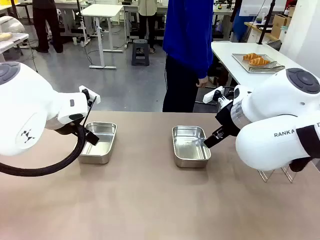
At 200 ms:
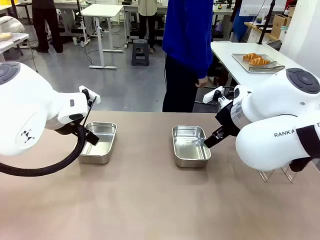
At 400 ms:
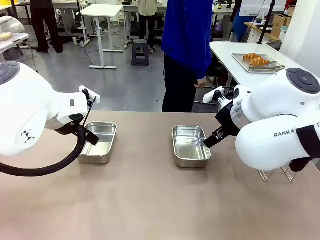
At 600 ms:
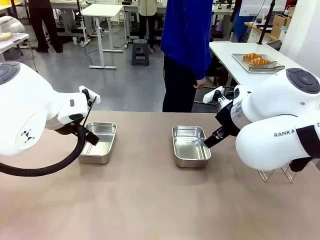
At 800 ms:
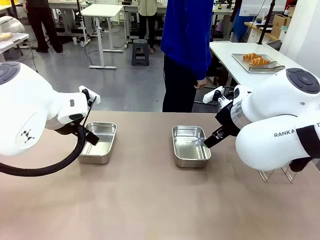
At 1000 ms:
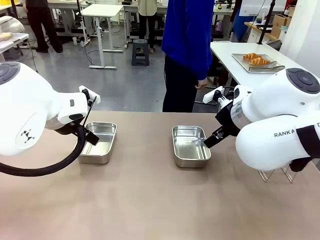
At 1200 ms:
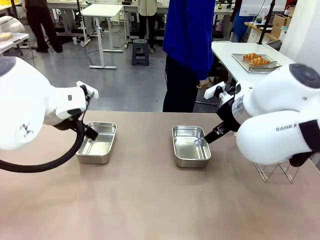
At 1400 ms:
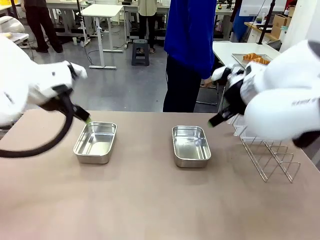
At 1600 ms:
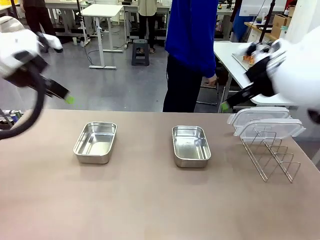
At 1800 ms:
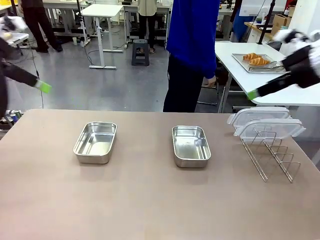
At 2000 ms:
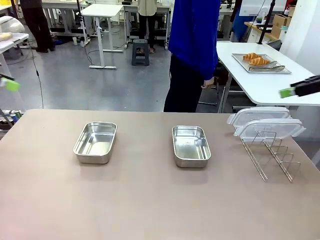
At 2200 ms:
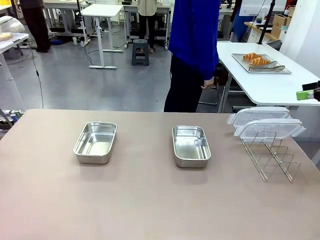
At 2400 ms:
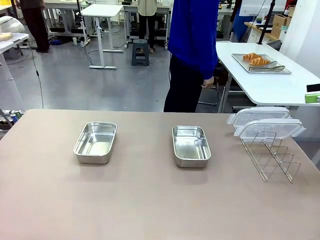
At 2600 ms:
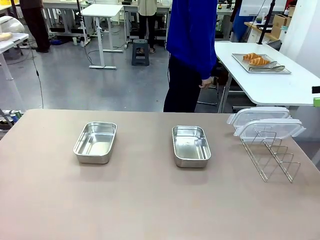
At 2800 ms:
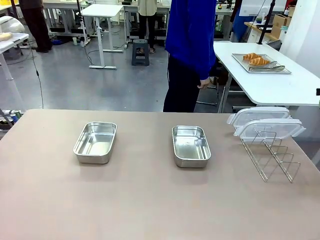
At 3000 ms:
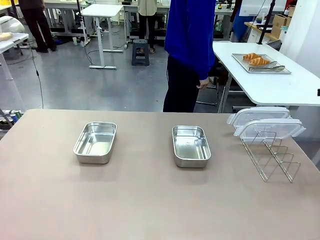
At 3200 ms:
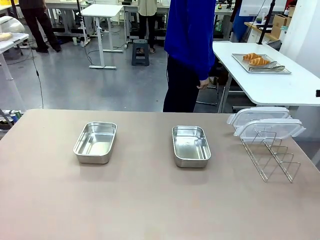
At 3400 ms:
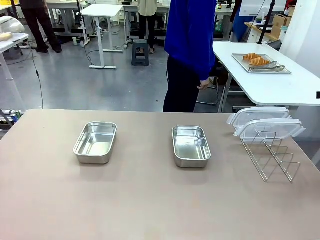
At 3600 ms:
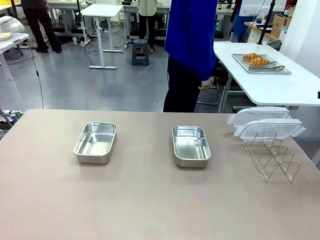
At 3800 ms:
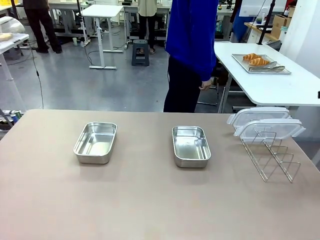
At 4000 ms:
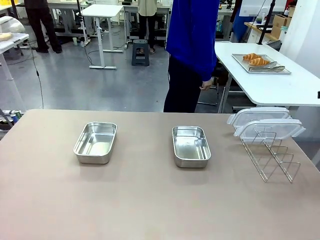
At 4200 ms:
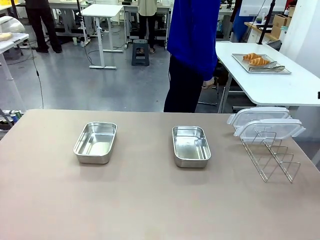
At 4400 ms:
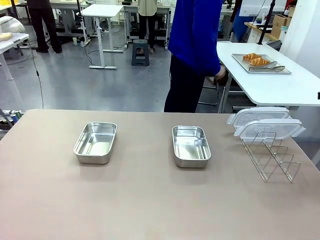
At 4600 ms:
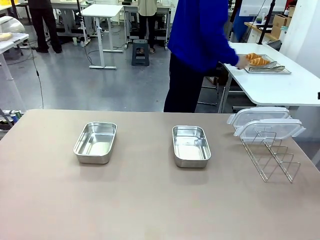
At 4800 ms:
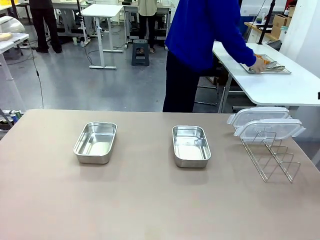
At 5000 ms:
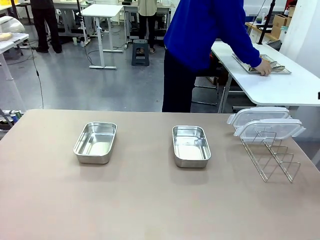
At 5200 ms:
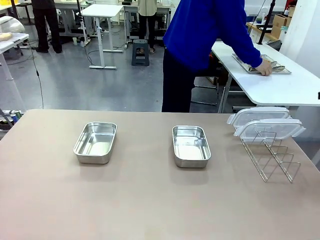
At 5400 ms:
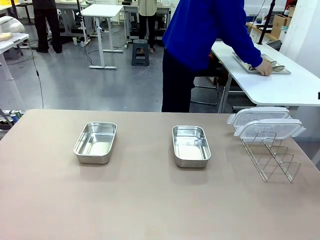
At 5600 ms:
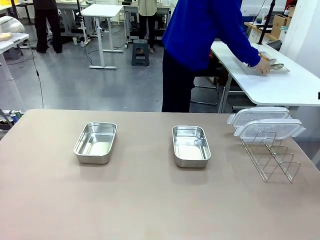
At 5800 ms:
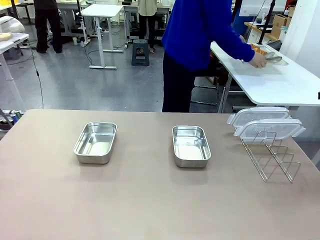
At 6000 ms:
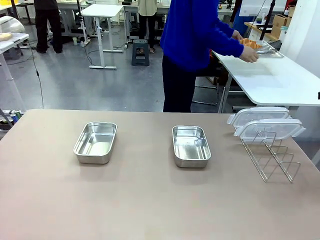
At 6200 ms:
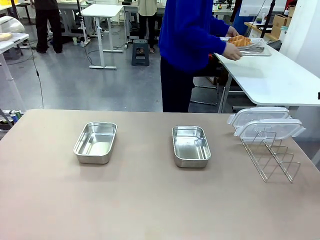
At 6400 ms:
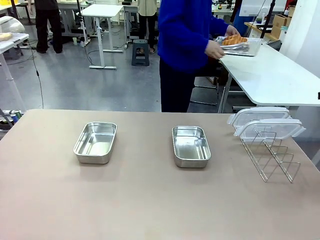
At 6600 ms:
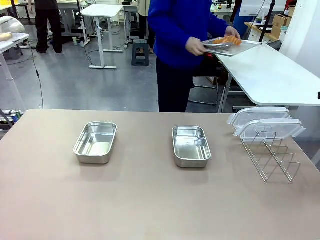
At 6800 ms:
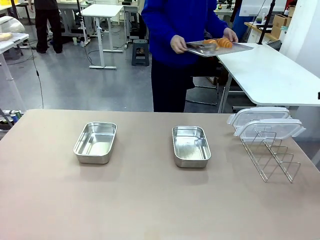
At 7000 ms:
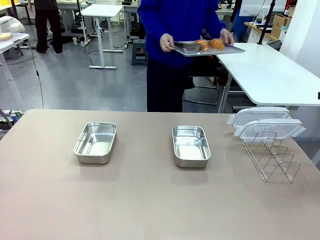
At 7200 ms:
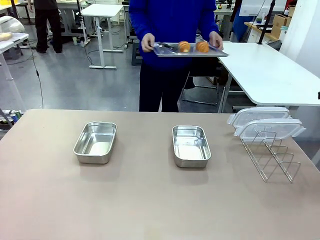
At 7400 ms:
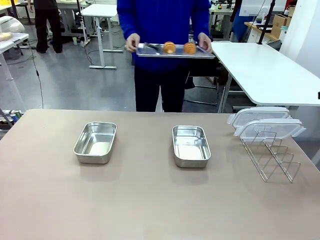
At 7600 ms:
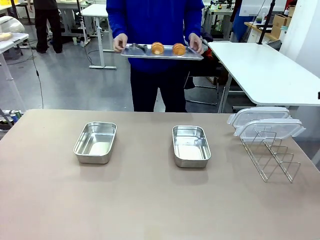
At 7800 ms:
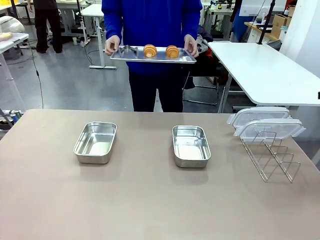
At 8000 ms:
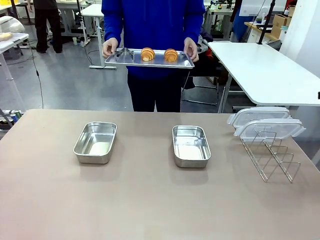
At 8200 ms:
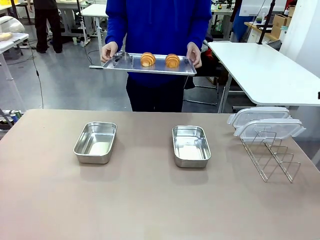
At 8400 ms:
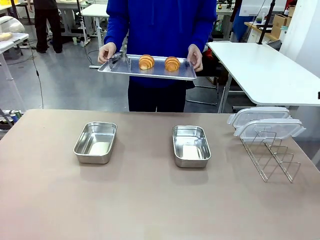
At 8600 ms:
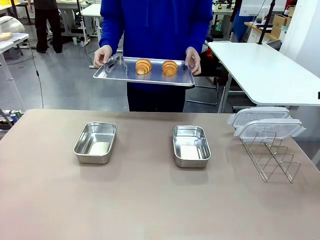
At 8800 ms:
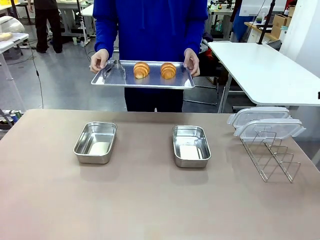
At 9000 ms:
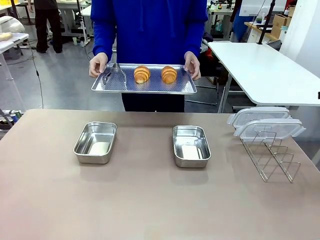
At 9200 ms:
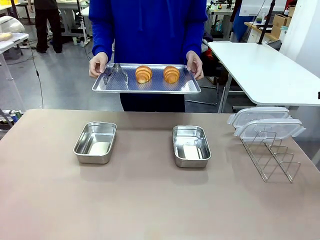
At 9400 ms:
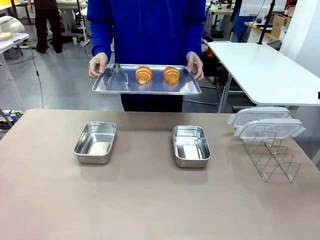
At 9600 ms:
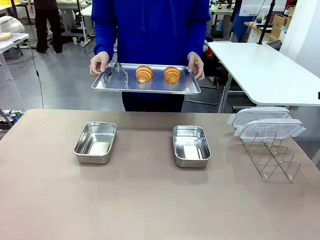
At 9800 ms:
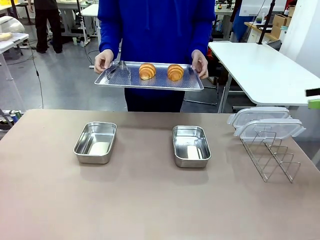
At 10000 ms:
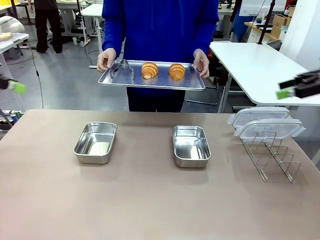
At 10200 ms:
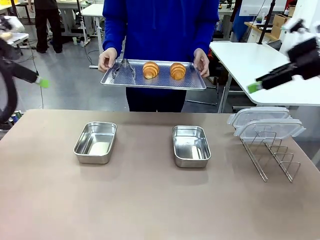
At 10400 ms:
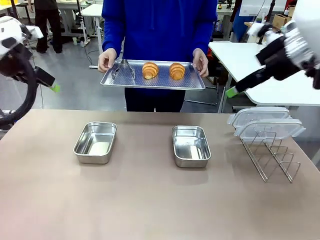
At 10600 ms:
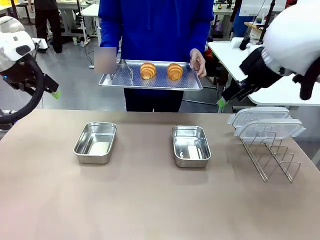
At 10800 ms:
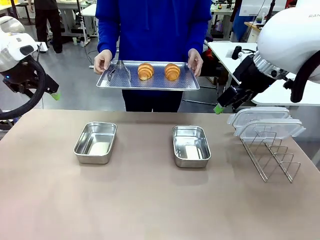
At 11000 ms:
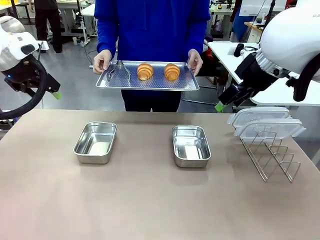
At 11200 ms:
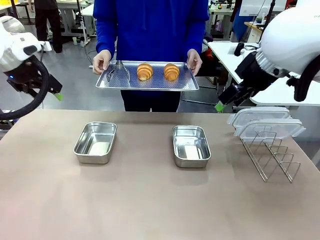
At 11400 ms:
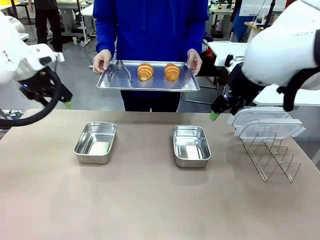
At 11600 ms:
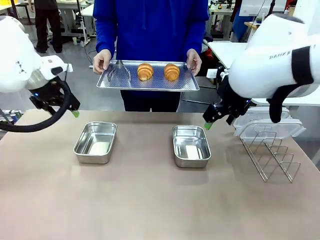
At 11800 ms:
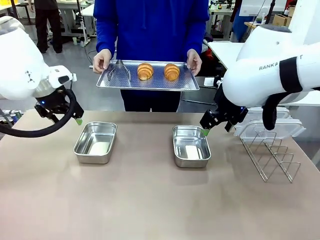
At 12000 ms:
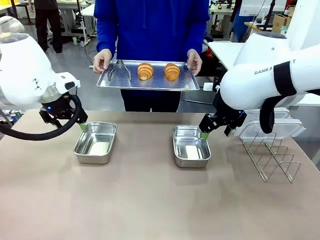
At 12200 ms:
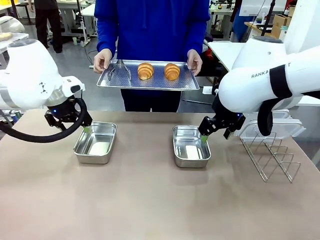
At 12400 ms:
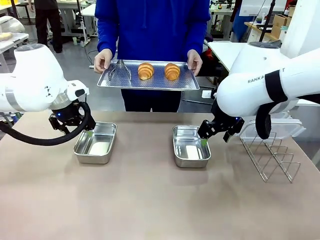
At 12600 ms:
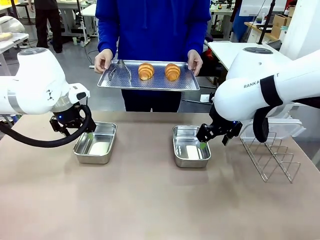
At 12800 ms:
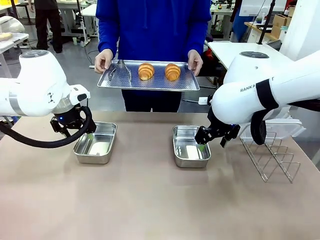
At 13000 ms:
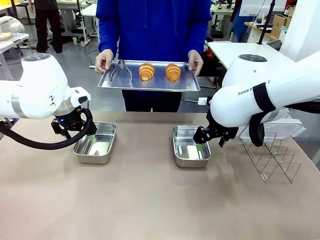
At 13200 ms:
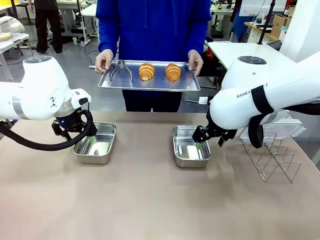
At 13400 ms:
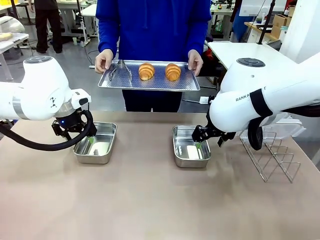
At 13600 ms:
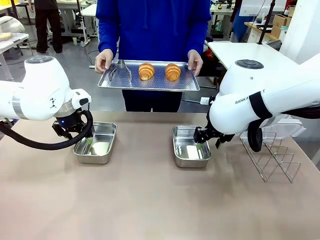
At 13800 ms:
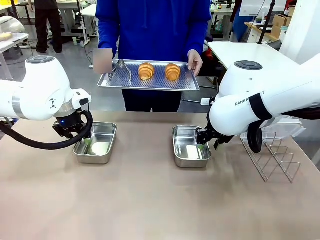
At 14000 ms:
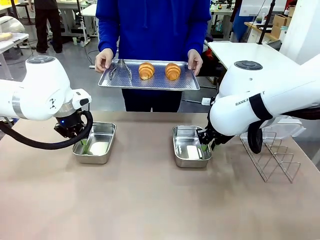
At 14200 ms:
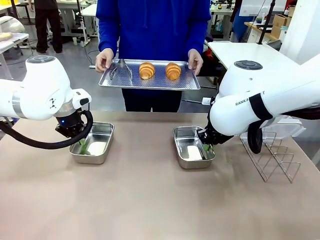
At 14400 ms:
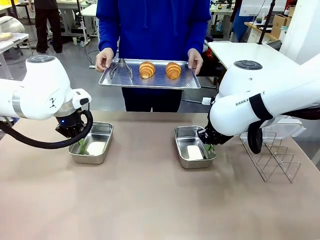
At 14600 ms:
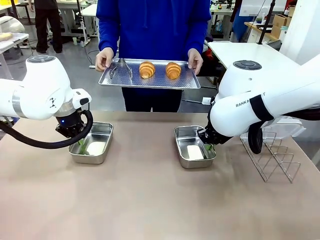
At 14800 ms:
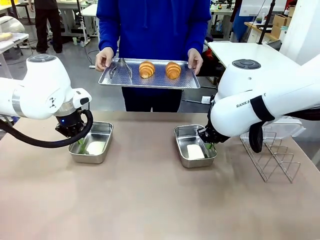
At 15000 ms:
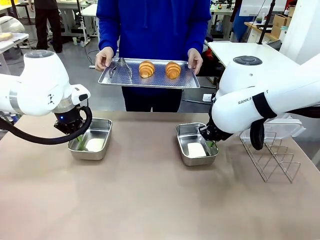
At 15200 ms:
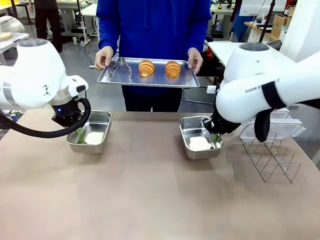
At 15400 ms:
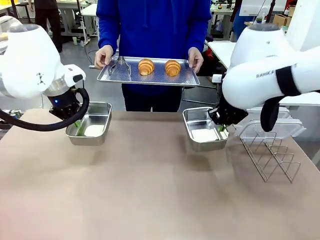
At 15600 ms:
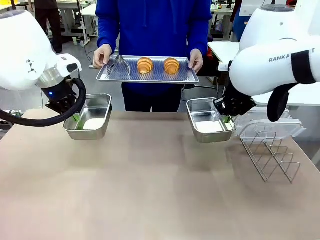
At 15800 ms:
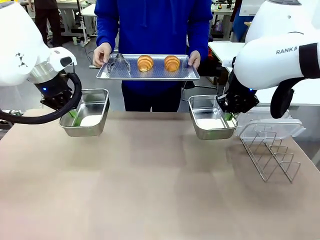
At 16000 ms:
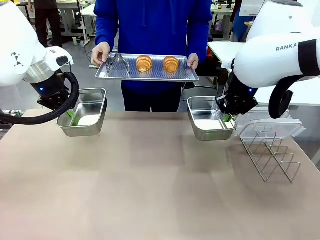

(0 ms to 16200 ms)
Task: Place the bread in airtight containers.
Robot: Lift both Airtight Container.
Person: Bring the Baking Sheet in front of Robot's Table.
